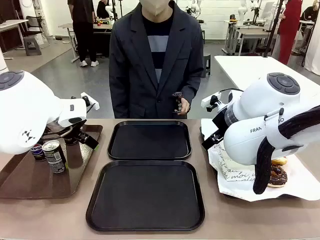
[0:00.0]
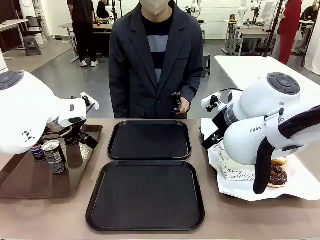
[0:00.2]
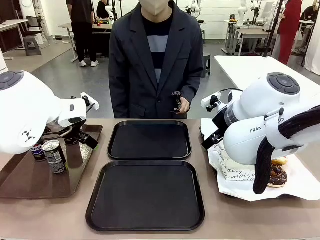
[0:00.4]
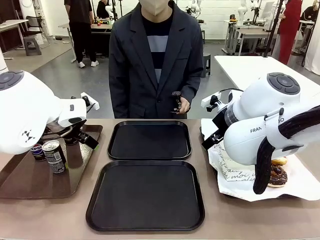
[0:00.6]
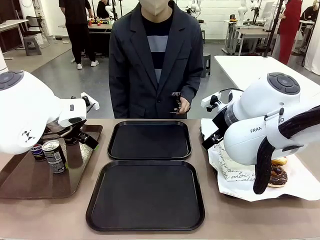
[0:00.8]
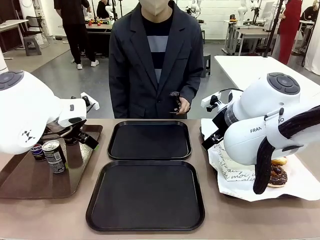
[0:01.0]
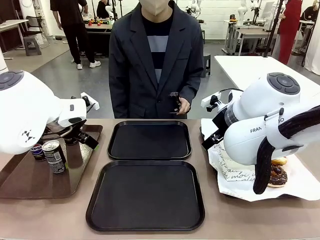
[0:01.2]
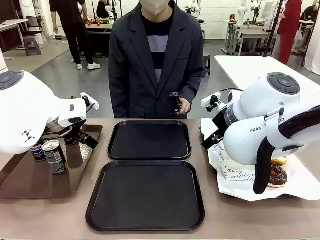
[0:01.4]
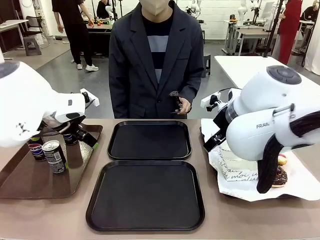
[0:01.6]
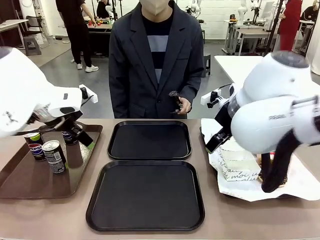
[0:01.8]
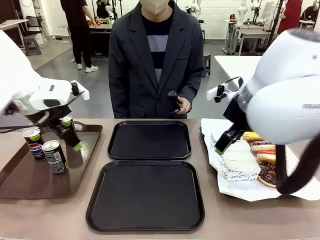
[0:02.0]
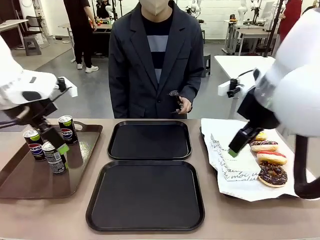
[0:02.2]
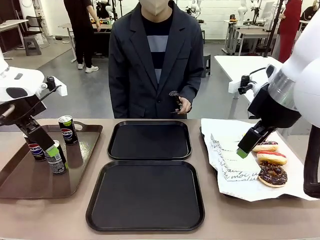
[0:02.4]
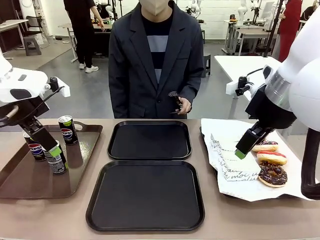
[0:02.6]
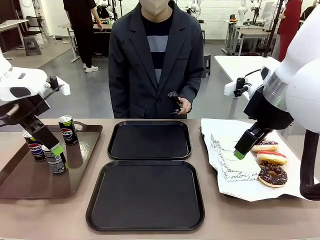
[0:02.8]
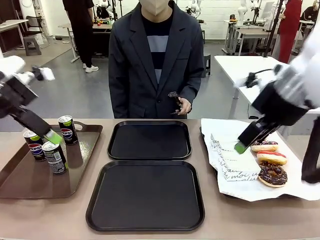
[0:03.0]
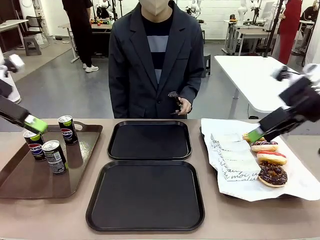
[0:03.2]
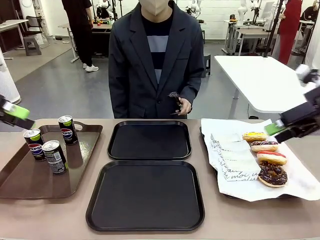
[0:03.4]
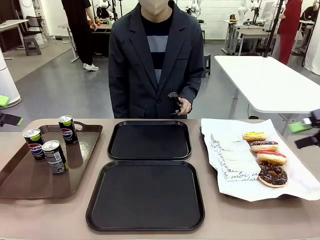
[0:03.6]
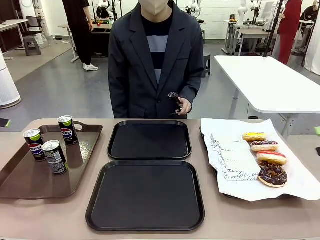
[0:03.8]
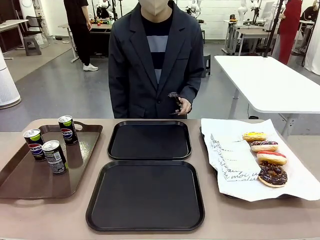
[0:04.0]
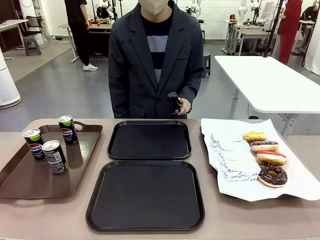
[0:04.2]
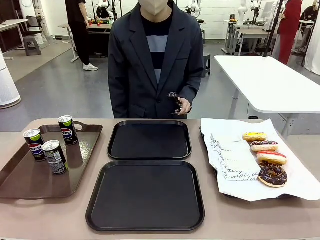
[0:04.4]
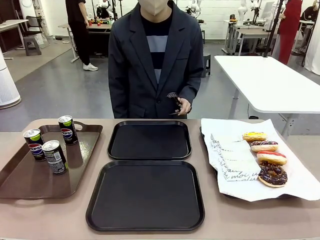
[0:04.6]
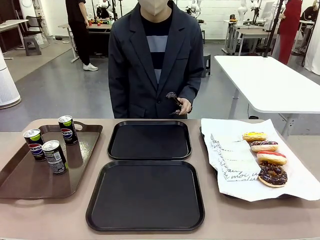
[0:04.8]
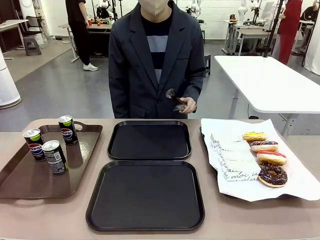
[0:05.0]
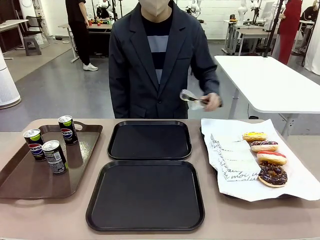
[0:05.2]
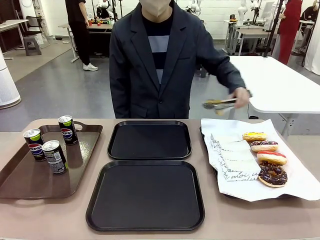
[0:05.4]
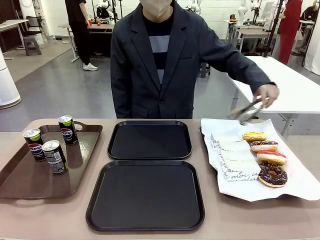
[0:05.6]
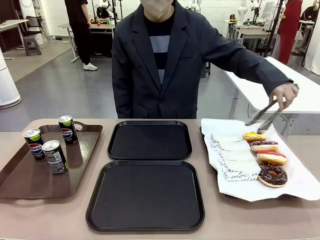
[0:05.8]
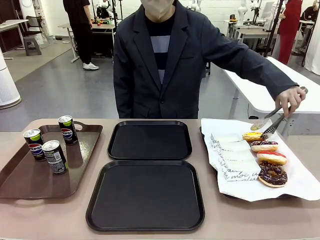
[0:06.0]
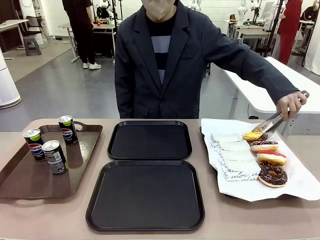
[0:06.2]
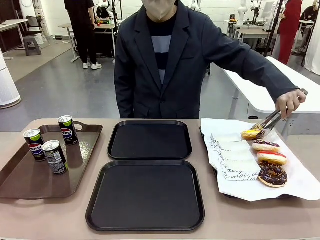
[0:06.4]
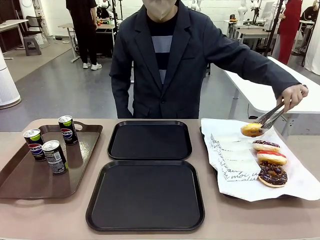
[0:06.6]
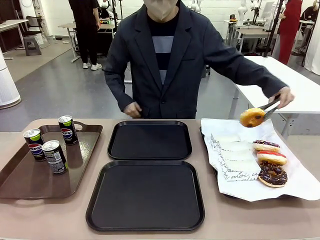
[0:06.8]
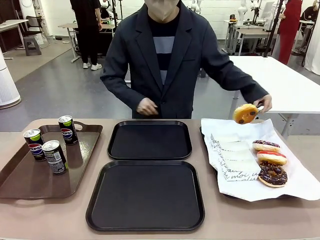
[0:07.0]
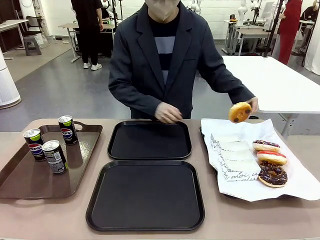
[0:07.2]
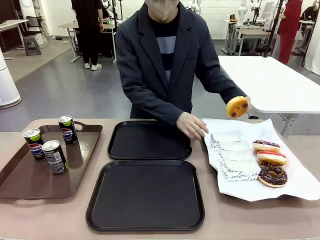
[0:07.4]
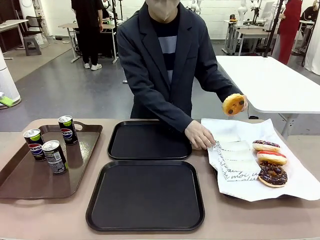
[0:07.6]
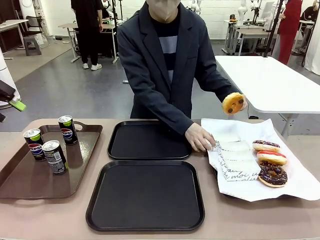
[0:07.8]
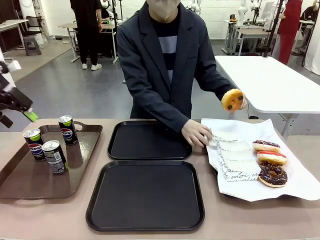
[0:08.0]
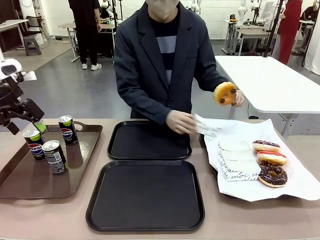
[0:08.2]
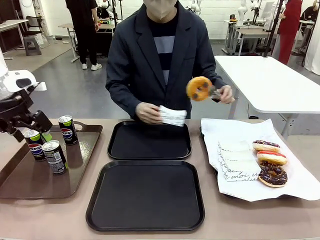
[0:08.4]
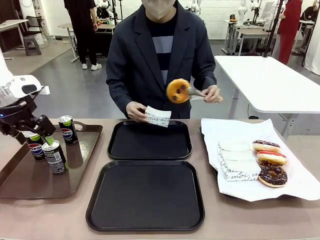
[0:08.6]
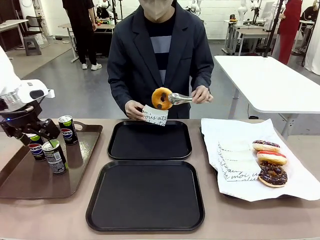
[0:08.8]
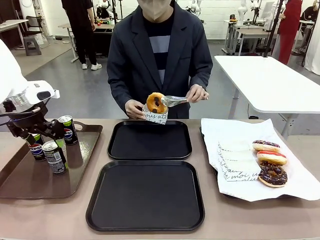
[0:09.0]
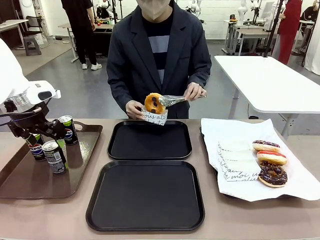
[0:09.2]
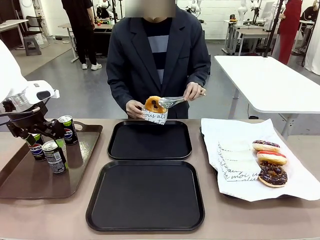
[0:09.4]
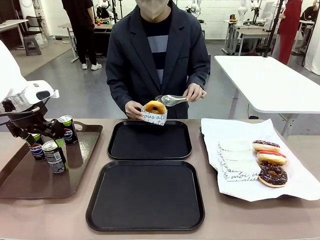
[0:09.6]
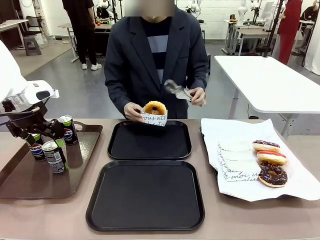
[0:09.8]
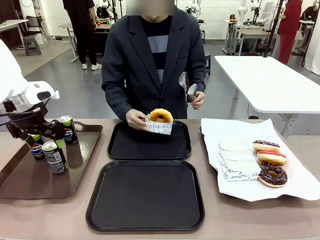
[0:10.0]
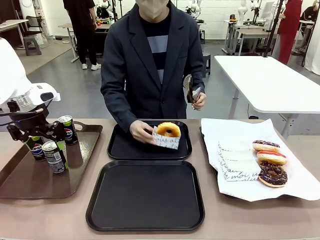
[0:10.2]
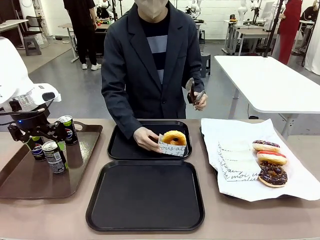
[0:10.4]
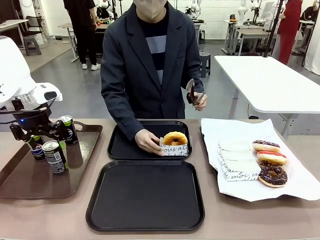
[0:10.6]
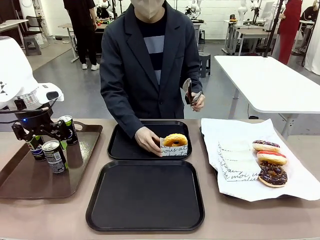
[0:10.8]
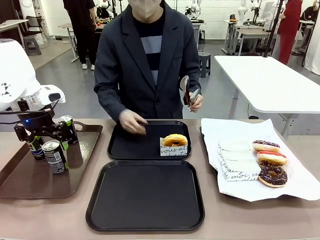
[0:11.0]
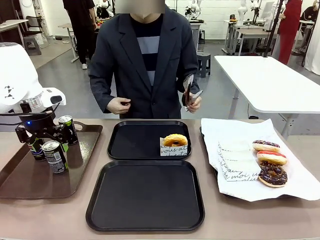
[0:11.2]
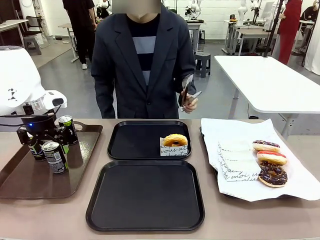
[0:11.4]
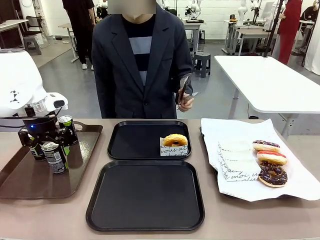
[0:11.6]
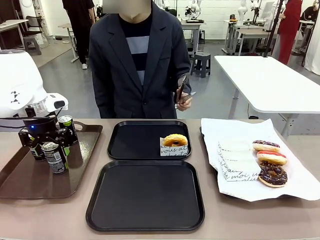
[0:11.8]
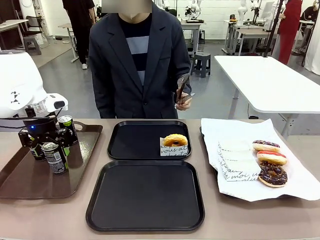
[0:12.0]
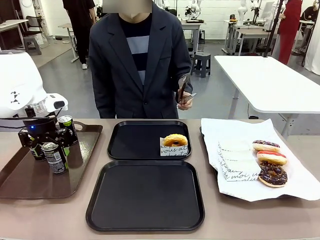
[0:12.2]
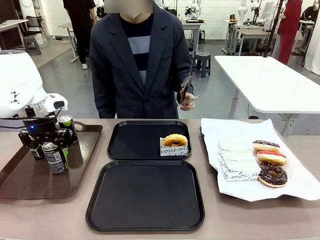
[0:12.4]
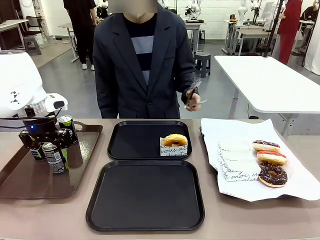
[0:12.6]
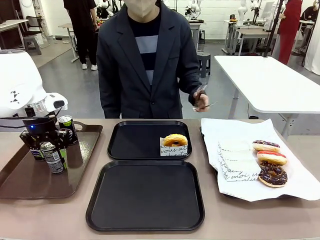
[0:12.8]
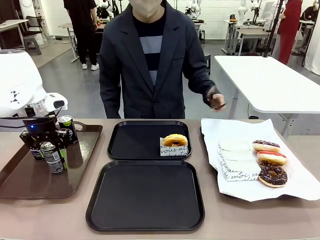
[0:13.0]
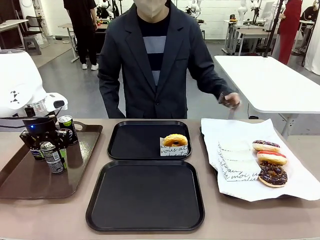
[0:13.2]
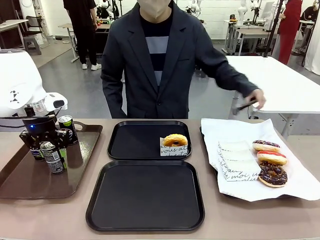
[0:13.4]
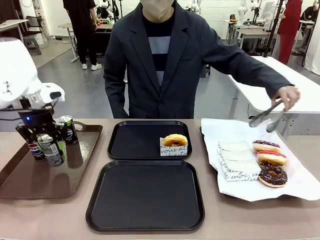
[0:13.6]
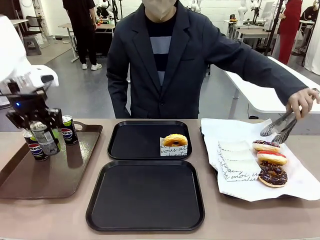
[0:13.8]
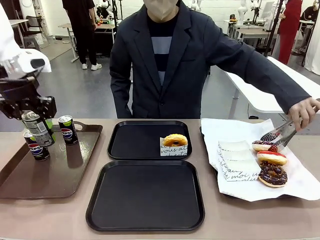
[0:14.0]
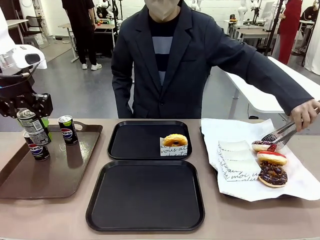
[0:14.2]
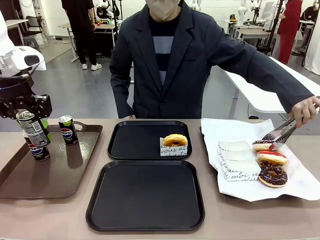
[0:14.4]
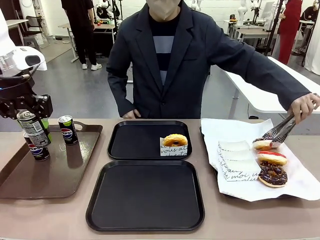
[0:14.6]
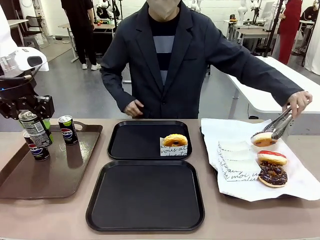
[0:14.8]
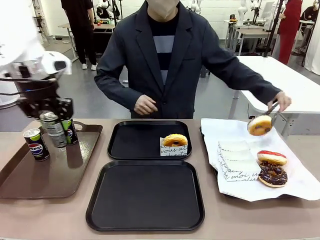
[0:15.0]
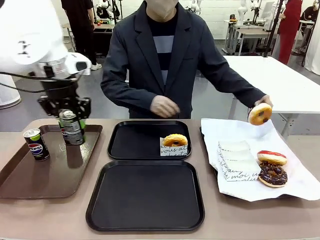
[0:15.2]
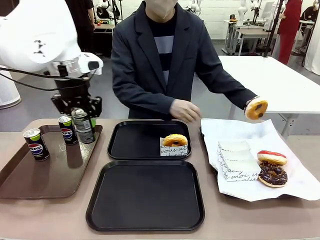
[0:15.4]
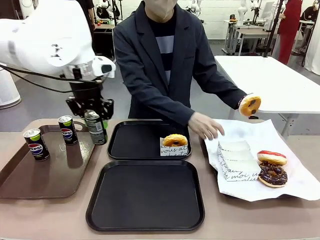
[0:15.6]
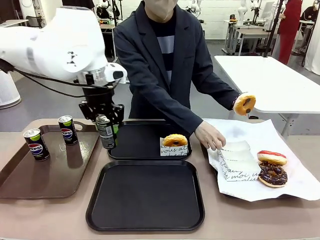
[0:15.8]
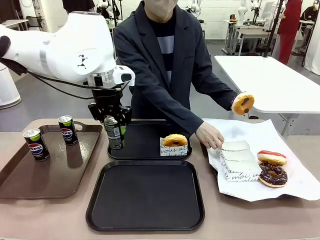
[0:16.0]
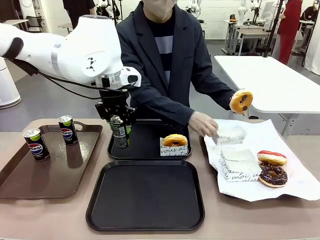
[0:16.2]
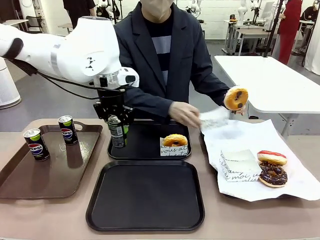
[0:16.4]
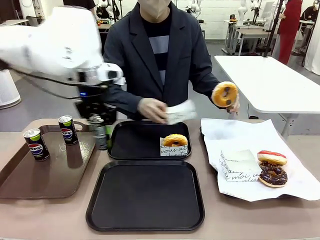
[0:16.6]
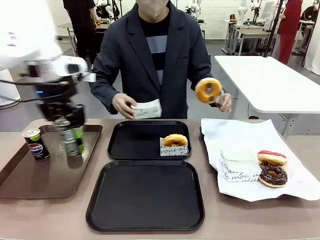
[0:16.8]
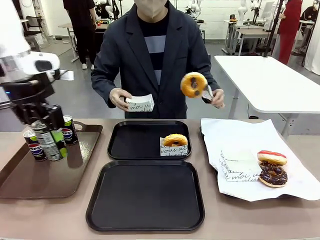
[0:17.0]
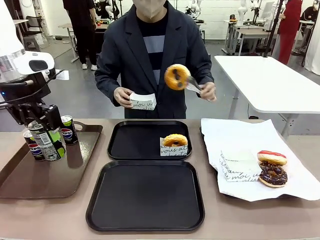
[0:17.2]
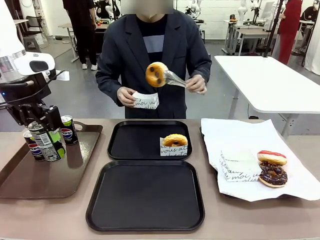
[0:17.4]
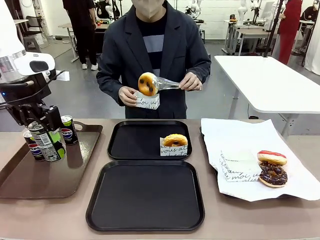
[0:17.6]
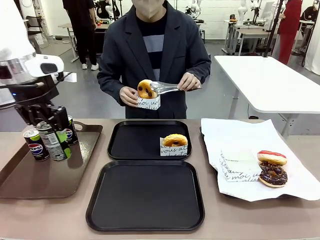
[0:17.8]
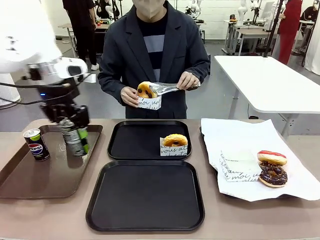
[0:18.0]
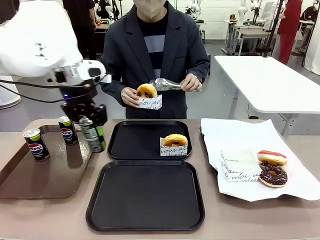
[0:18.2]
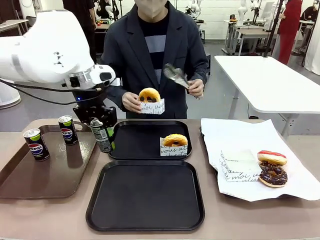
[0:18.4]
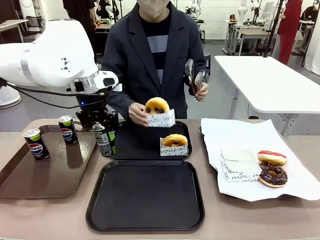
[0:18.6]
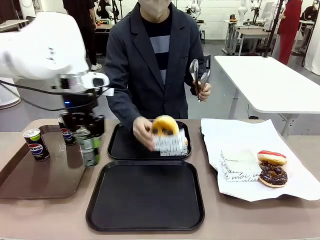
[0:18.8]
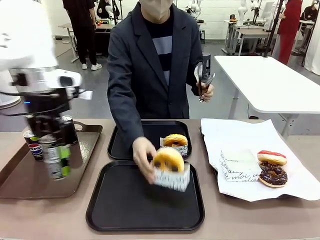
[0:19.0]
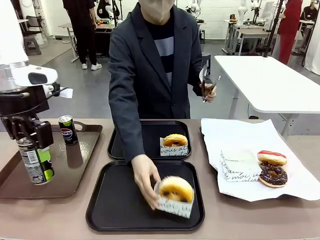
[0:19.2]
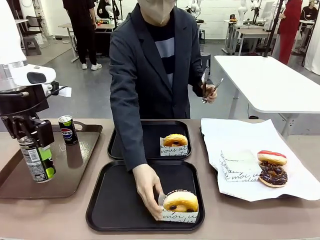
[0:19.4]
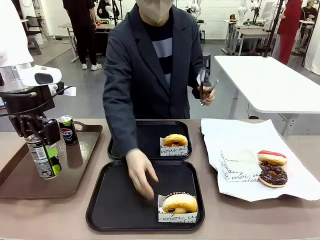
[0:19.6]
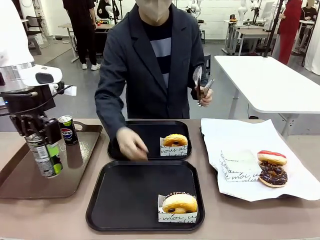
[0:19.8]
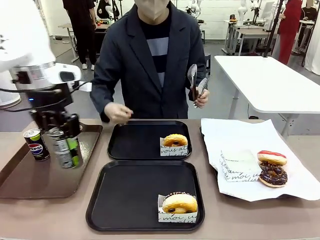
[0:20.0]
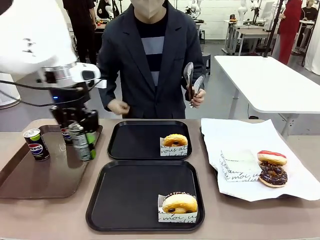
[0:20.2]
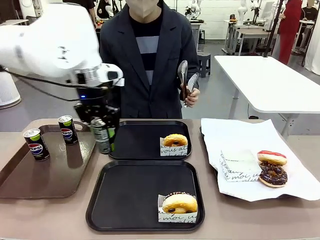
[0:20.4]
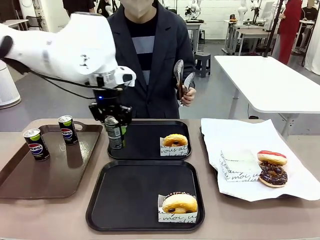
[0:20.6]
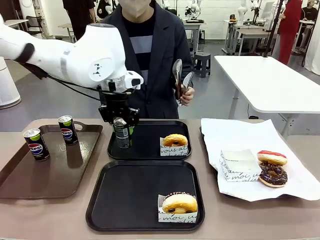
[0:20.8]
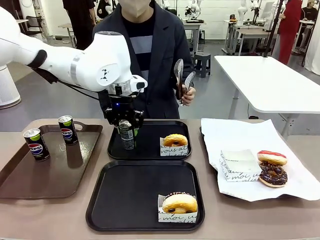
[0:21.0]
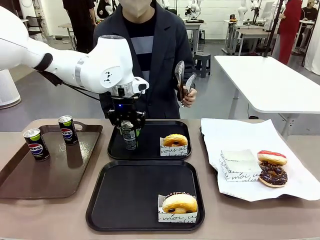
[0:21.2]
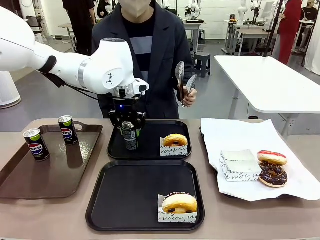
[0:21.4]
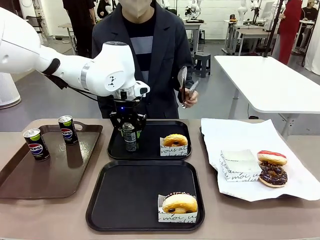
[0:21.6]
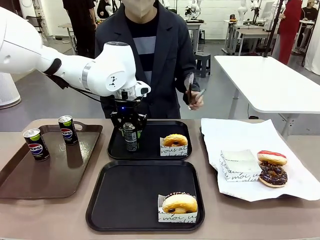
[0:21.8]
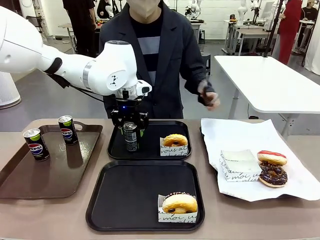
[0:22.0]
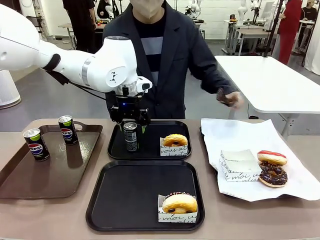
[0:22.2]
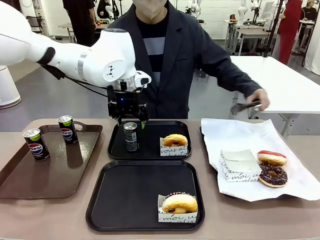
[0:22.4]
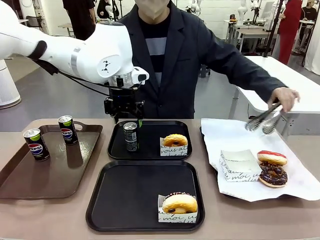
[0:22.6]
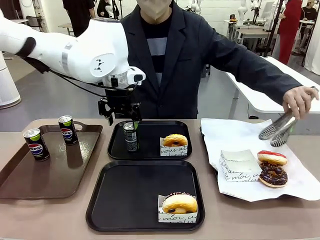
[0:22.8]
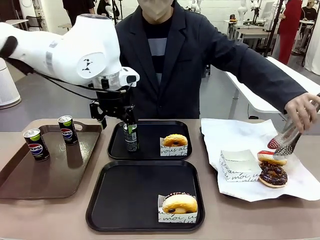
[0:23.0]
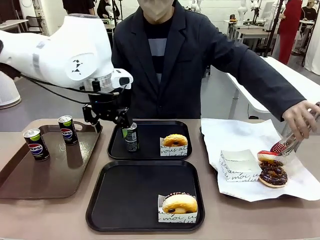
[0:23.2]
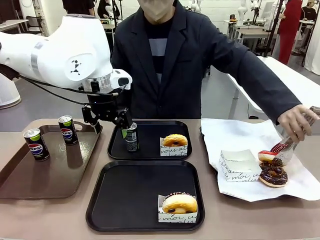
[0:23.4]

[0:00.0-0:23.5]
Task: Set up donuts and drinks on trays.
Robot: Pick up one Pepsi coke and place it on the Flat Tray.
Person: Pick up one donut with tongs, place it in the donut tray, and then place the donut tray on the flat tray.
